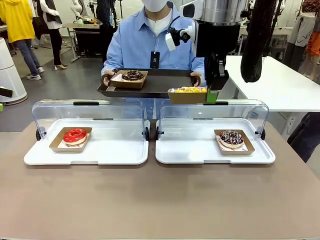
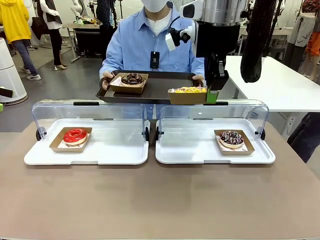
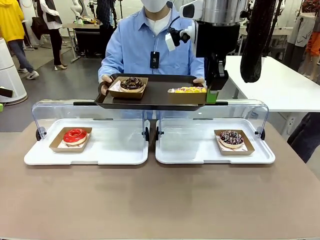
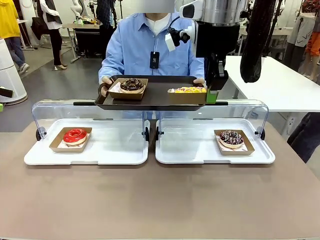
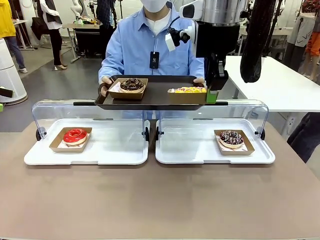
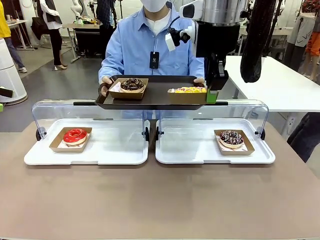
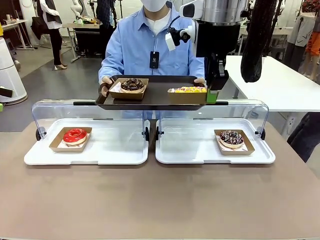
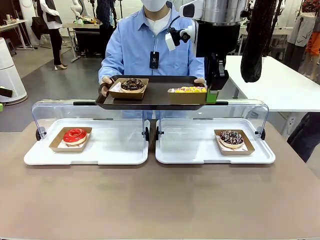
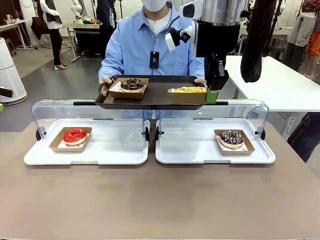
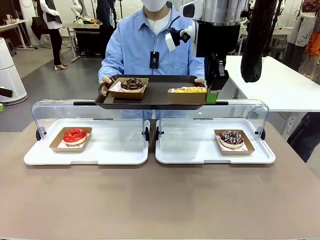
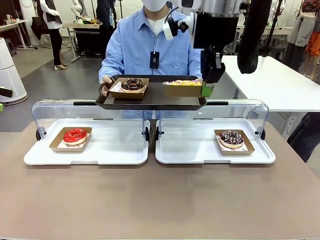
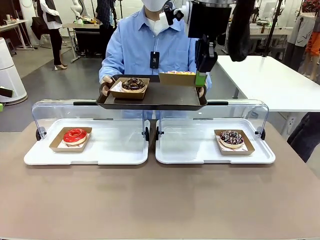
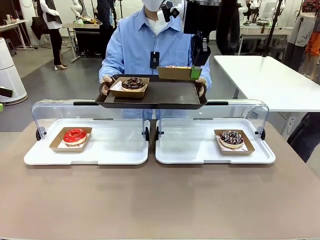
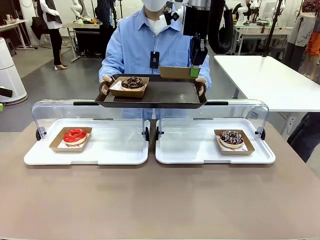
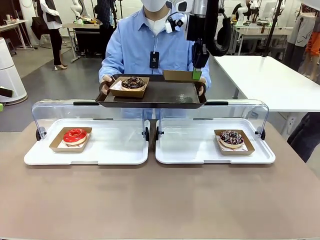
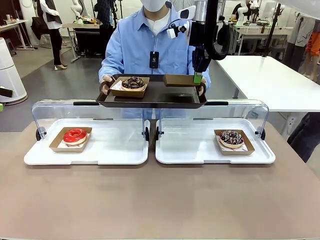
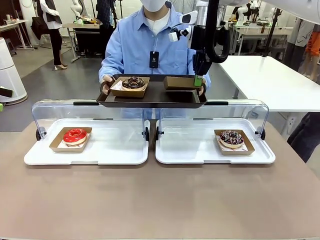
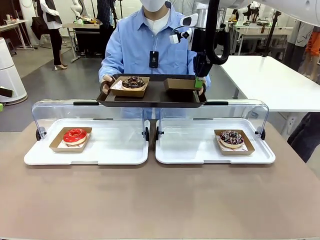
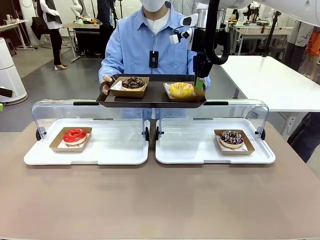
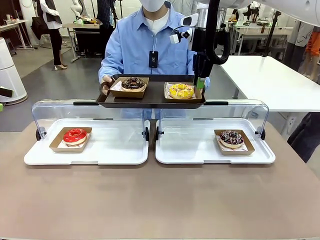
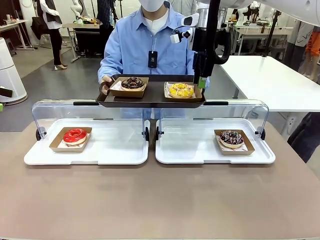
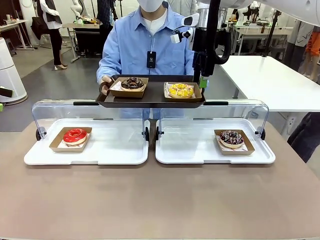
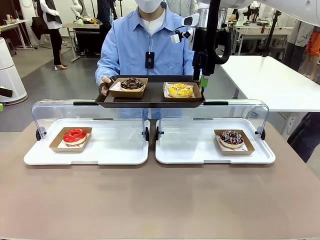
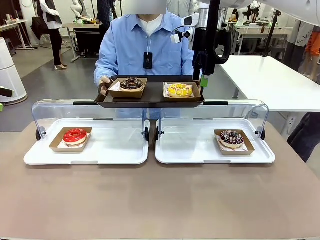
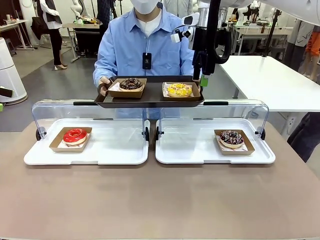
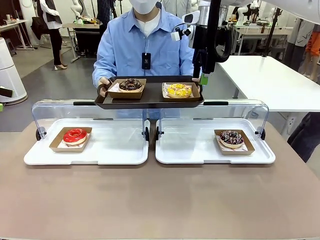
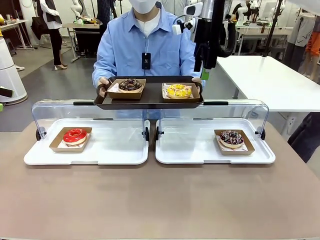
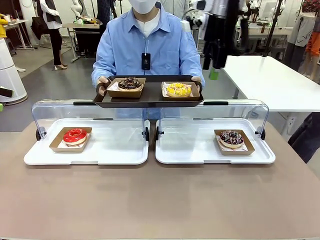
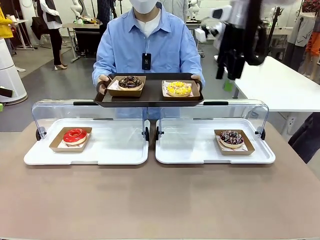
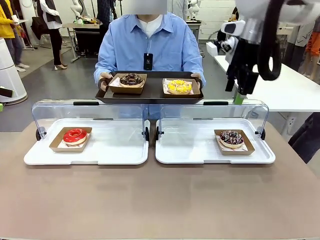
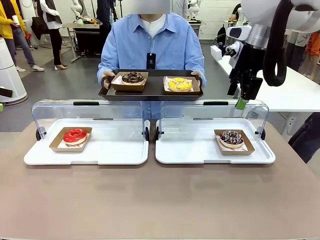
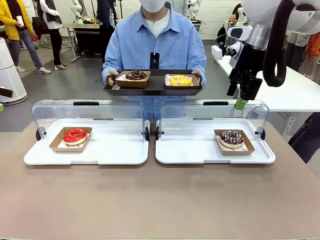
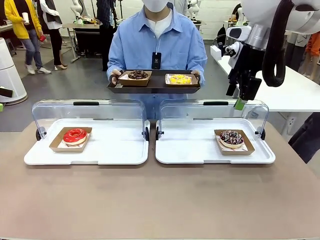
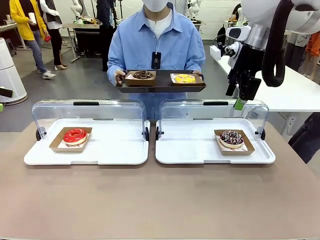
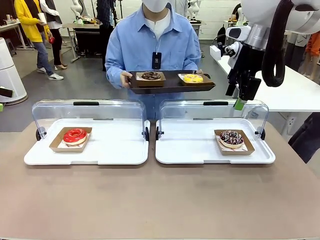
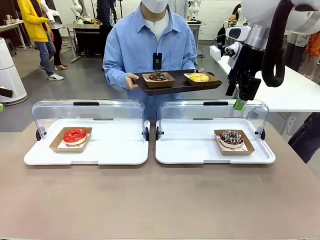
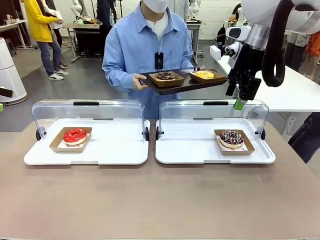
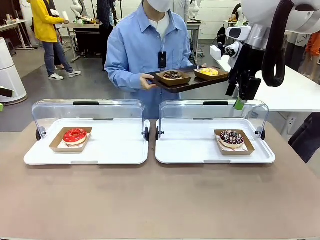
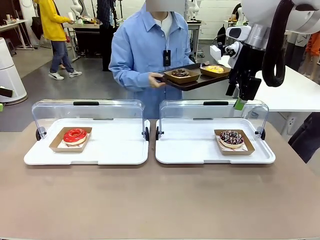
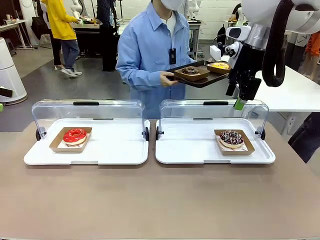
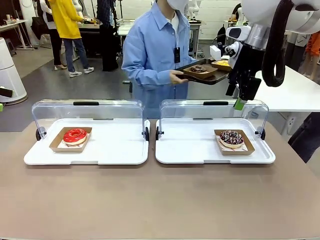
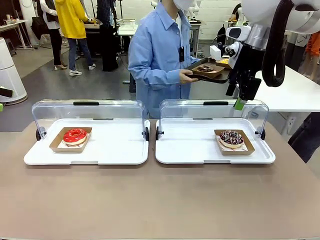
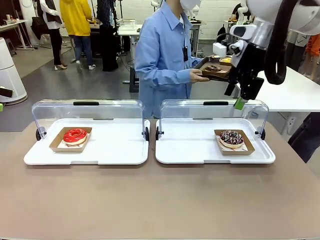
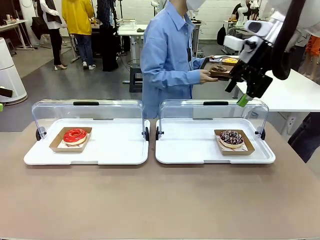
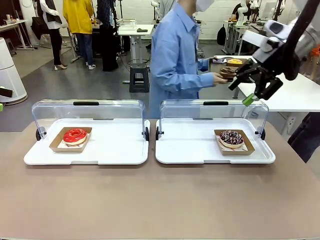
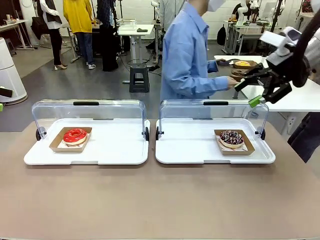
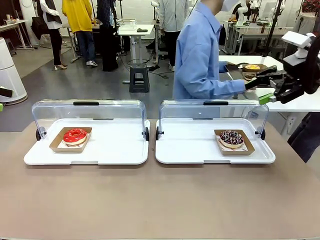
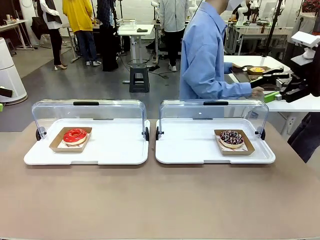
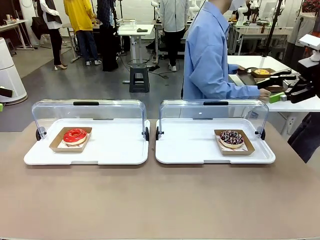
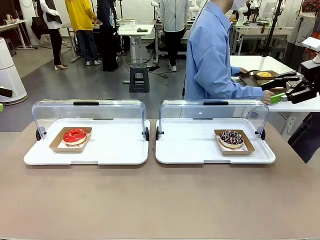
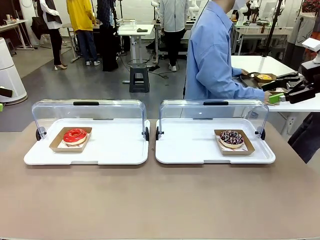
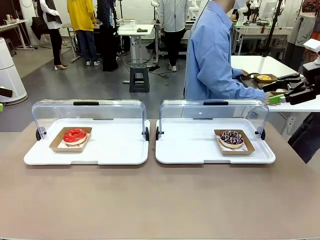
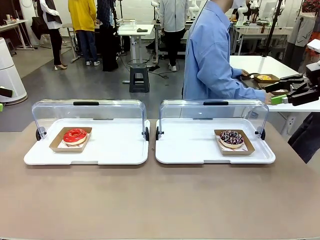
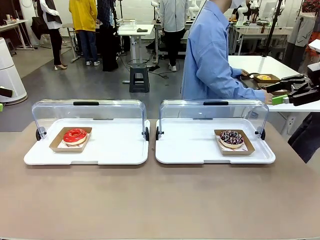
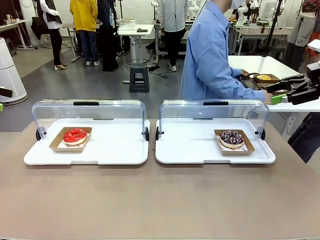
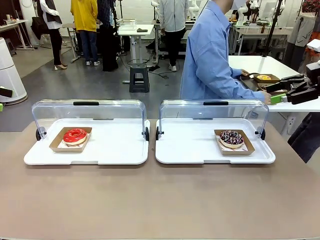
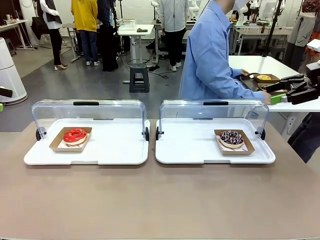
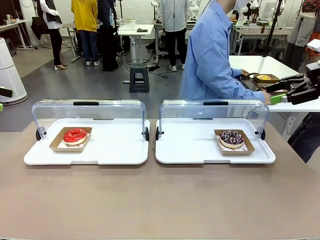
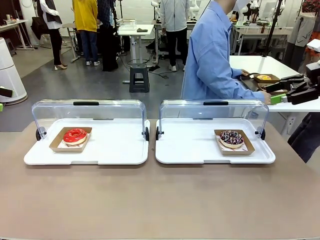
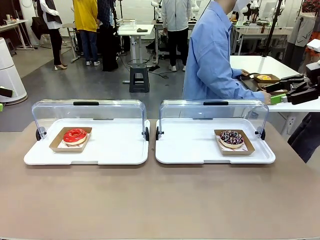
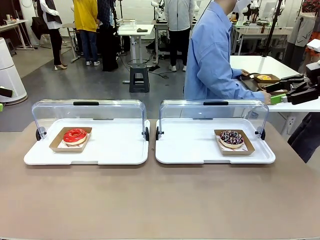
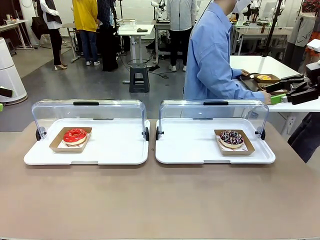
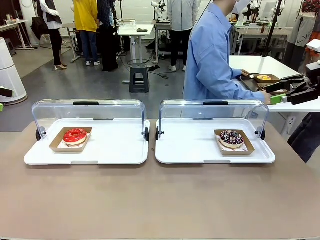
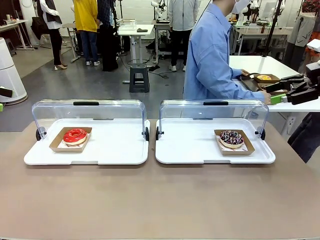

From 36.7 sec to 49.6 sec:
Task: Provide the desired donut to the person.
Robot: Place the picked Paper togo box onto the Handle tray extended by the person.
Person: Place the tray in the middle of the human table.

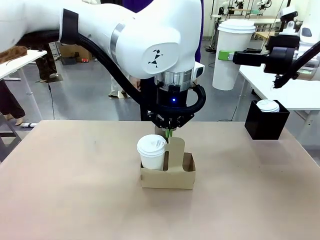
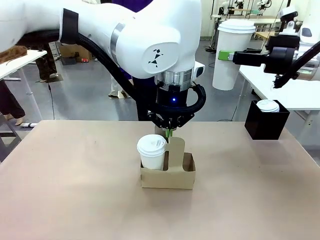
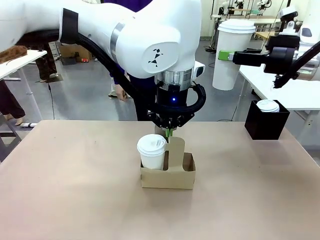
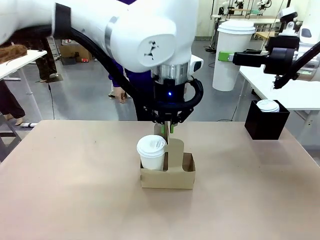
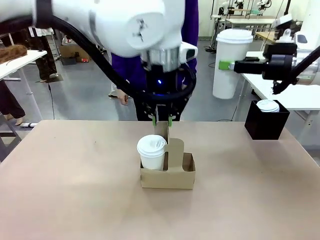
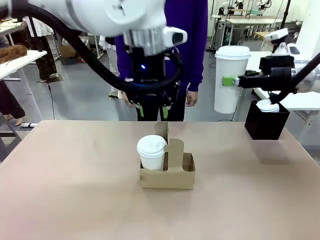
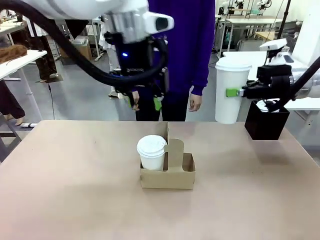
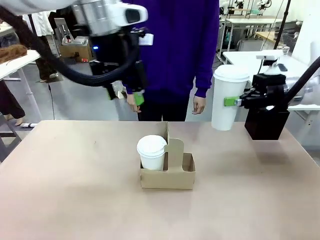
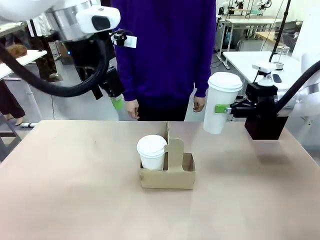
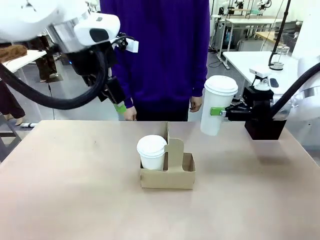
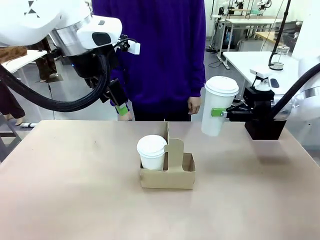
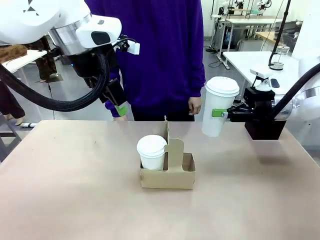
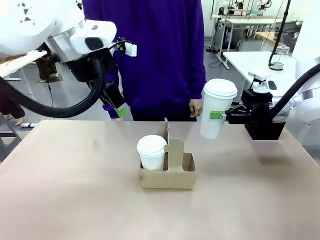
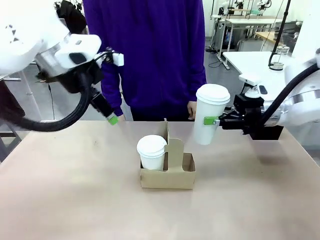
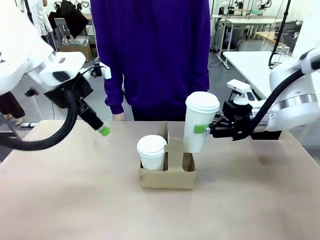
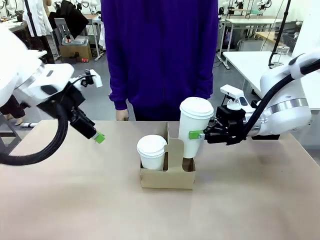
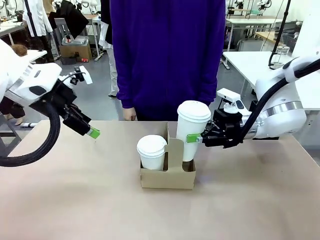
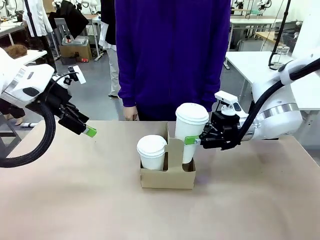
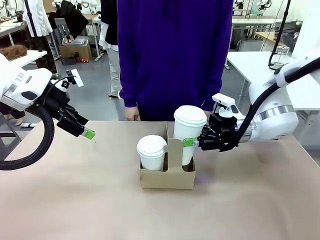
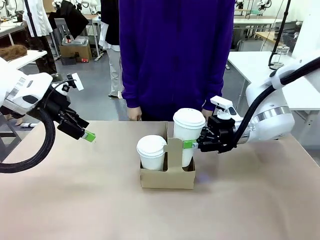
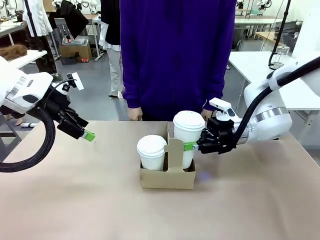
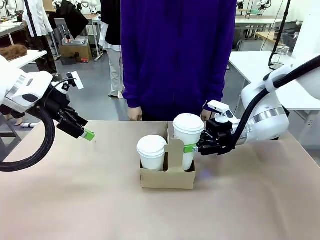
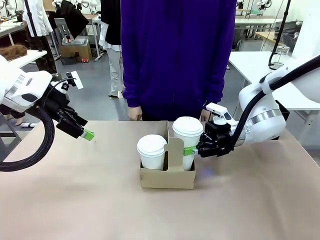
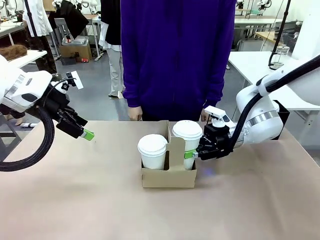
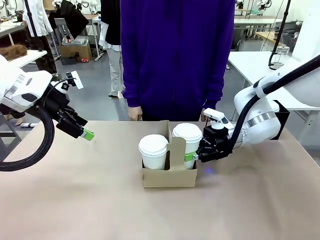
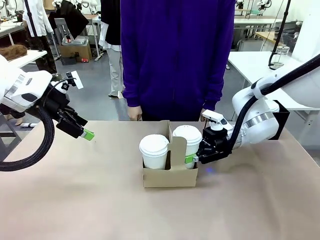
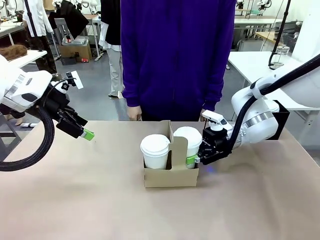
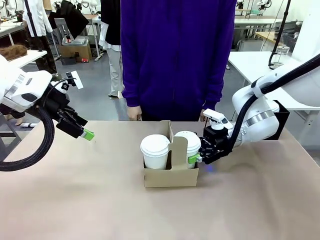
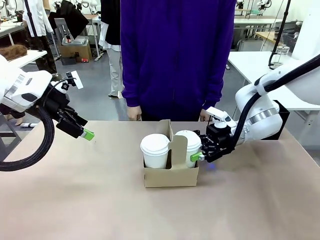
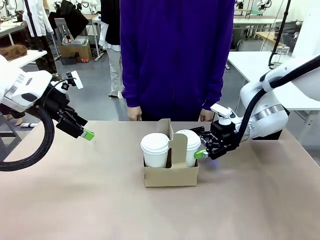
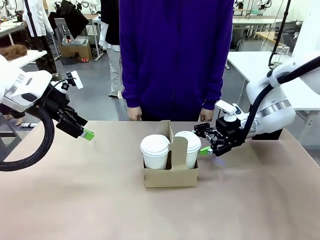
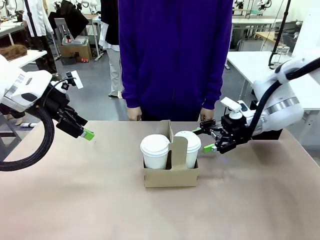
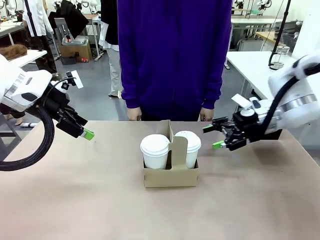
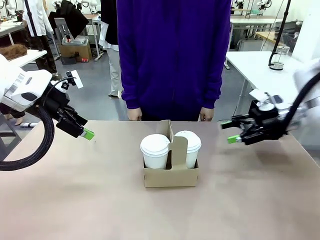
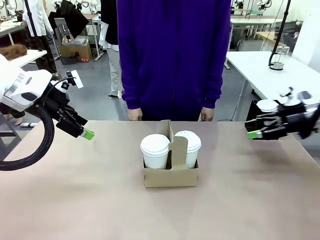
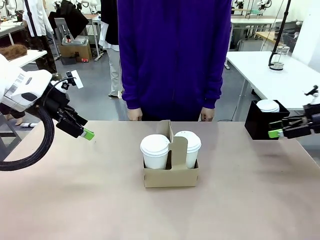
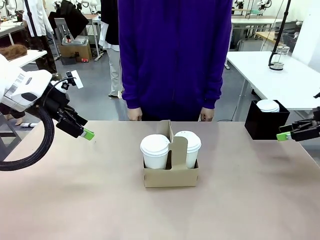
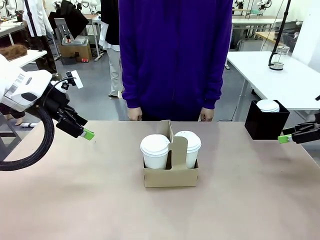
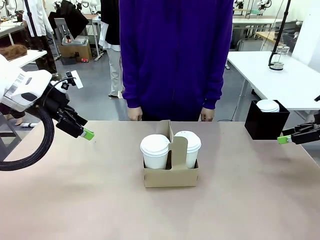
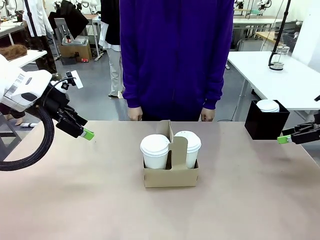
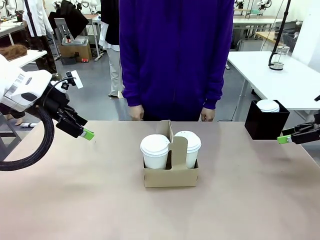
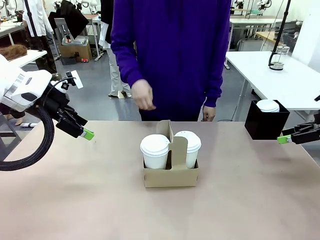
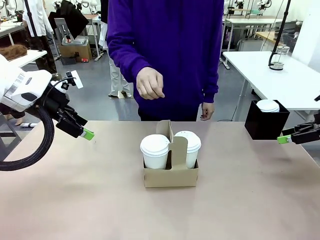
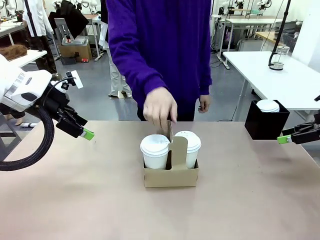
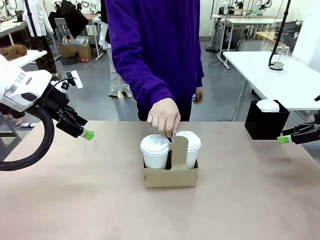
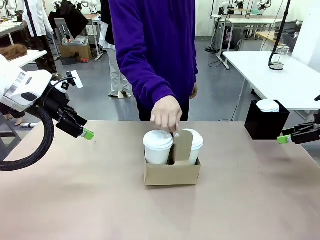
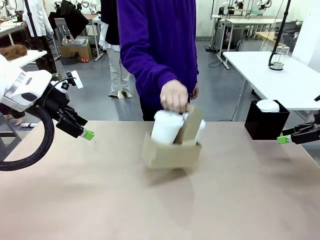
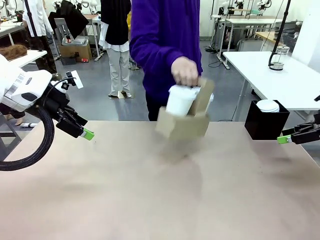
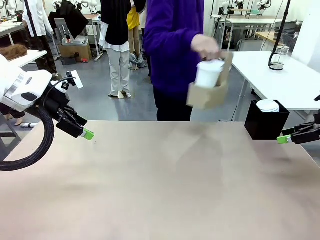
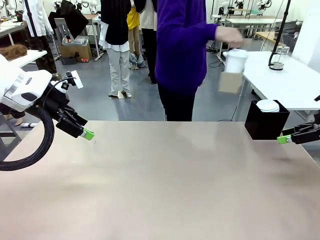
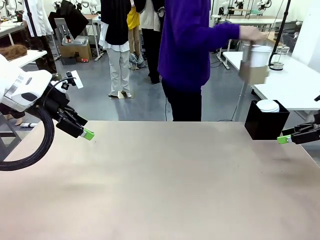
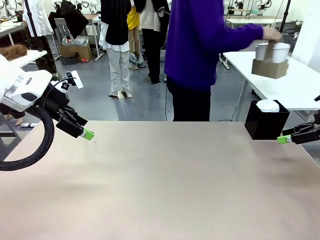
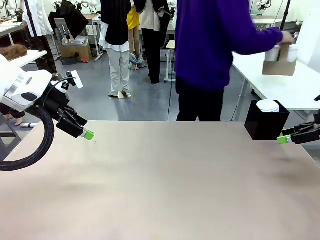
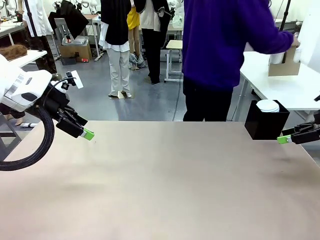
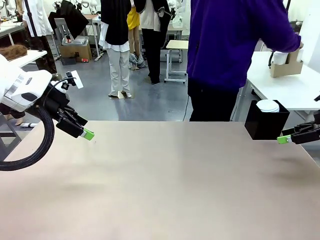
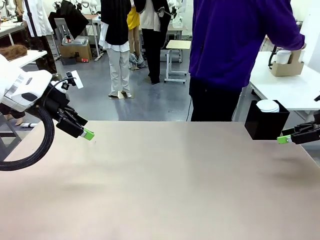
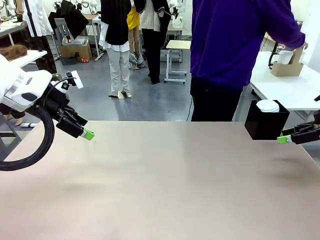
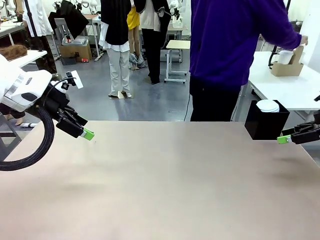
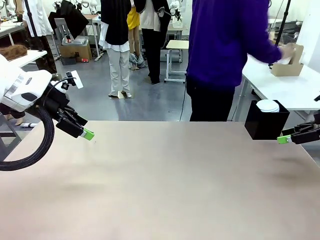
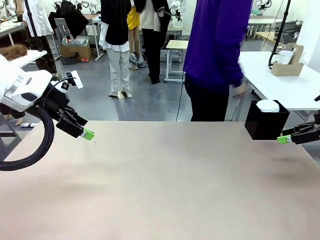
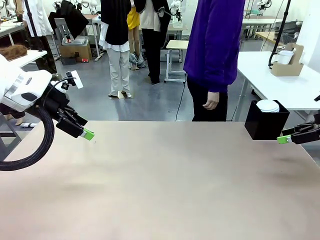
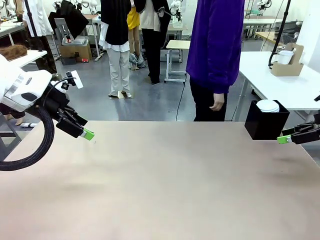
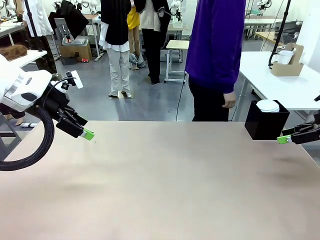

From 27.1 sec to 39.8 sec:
Task: Pour a drink into a cup and package it in a carrier.
Robot: Insert the held 600 ml Paper Cup into the Cup Carrier.
Person: Place the Cup Carrier to the middle of Human table.
